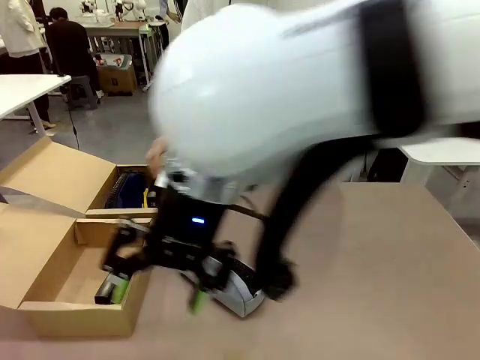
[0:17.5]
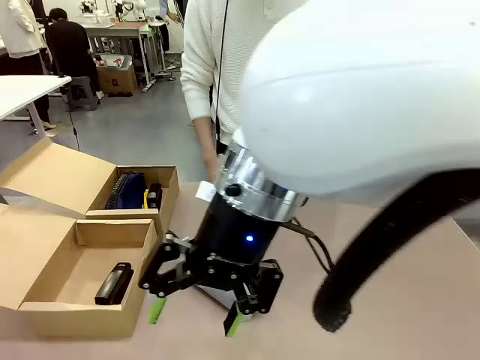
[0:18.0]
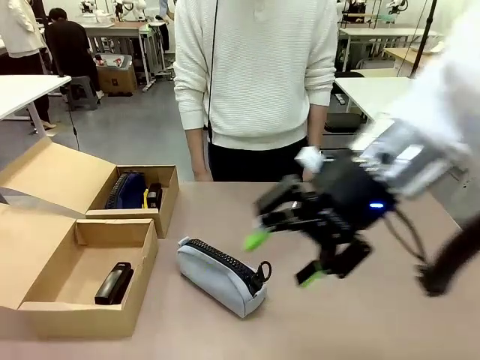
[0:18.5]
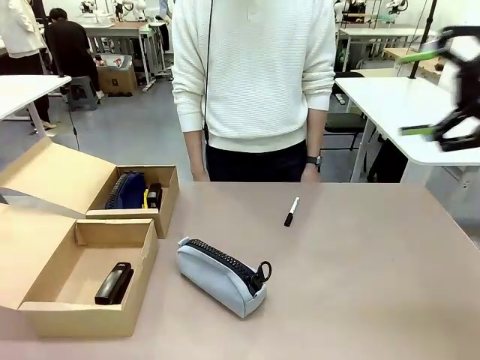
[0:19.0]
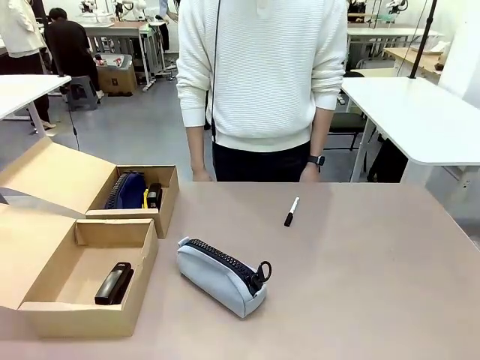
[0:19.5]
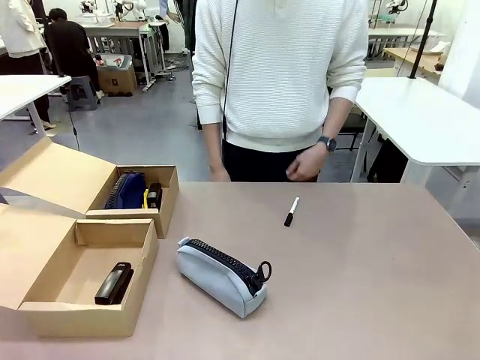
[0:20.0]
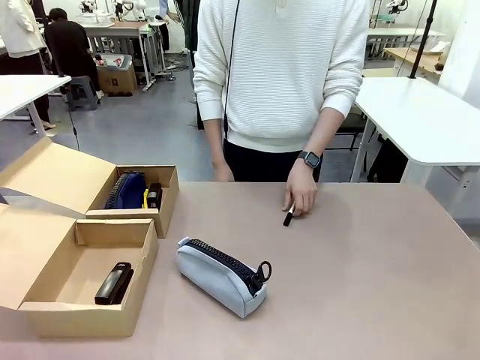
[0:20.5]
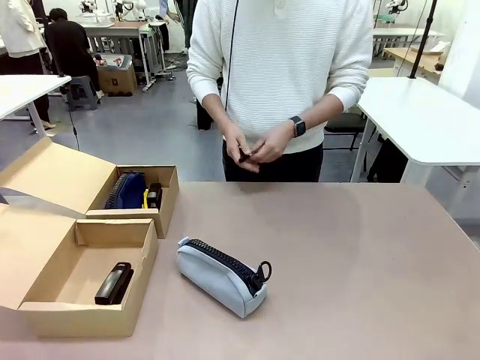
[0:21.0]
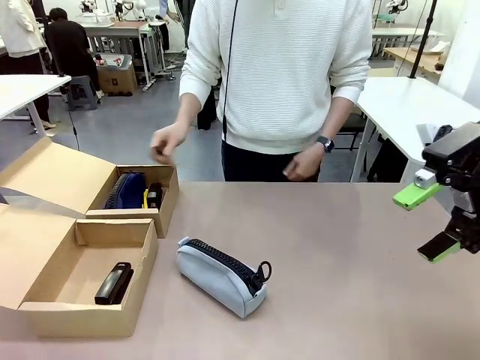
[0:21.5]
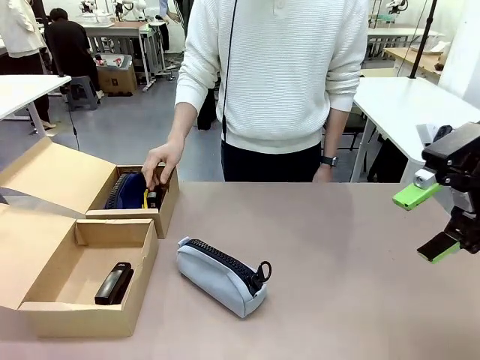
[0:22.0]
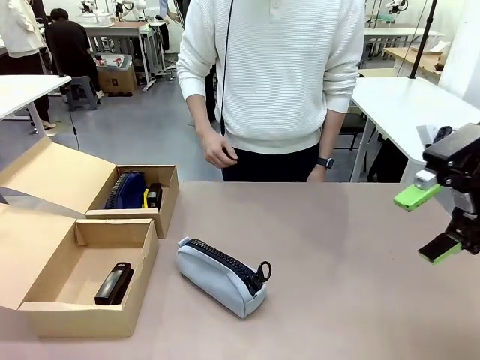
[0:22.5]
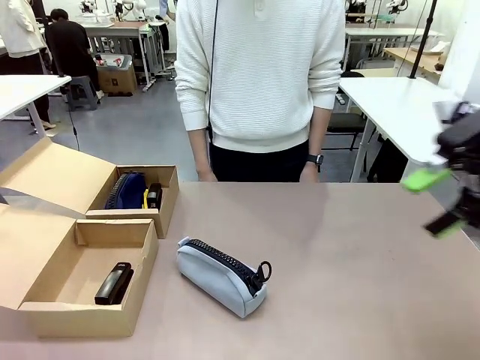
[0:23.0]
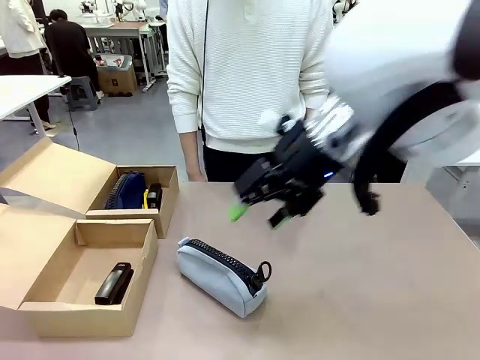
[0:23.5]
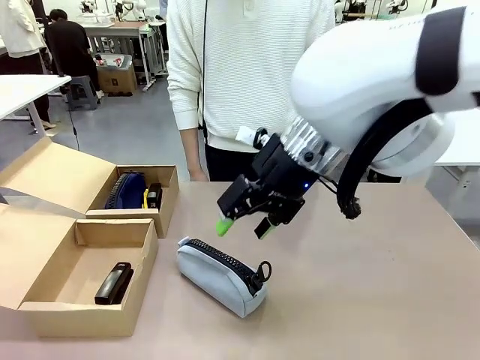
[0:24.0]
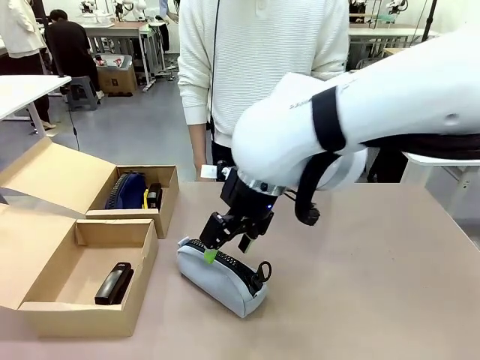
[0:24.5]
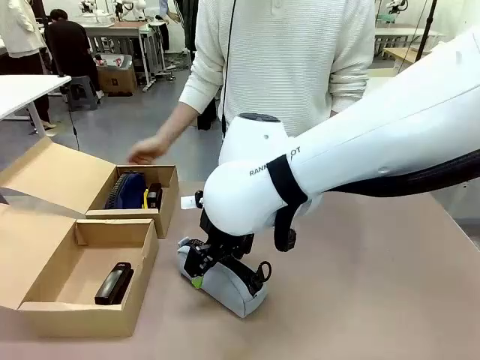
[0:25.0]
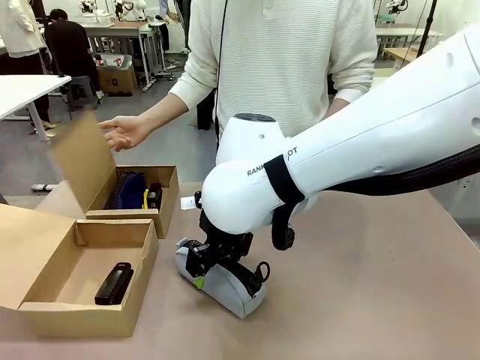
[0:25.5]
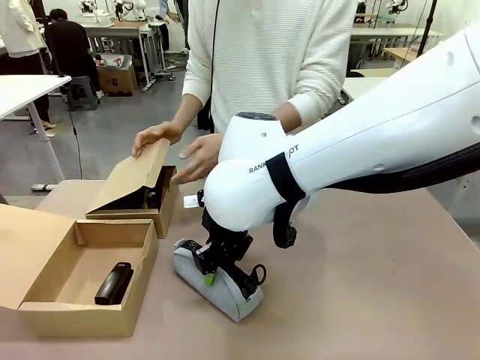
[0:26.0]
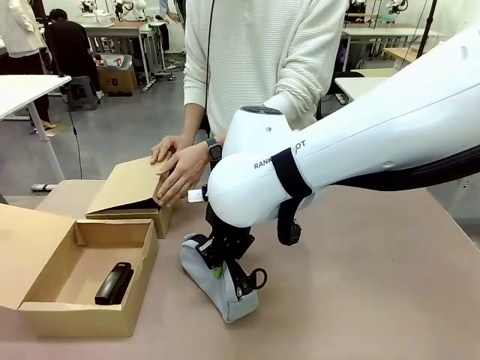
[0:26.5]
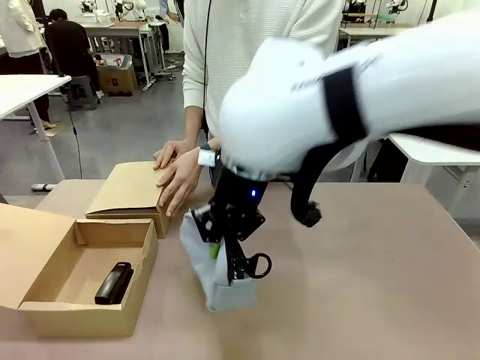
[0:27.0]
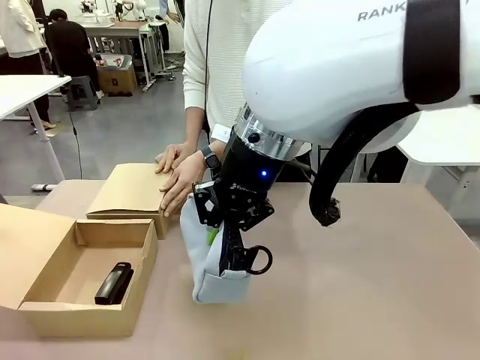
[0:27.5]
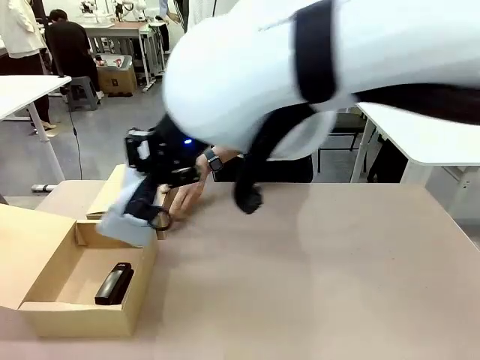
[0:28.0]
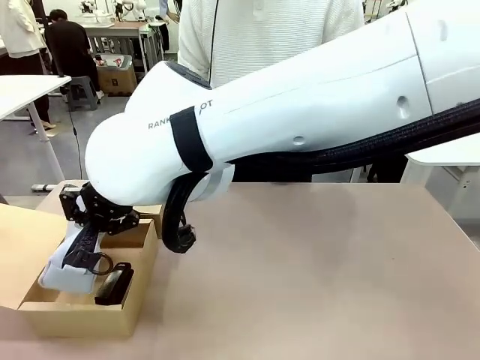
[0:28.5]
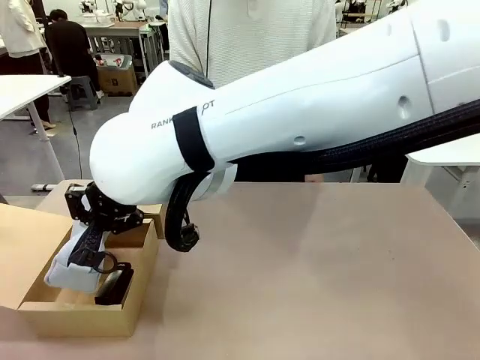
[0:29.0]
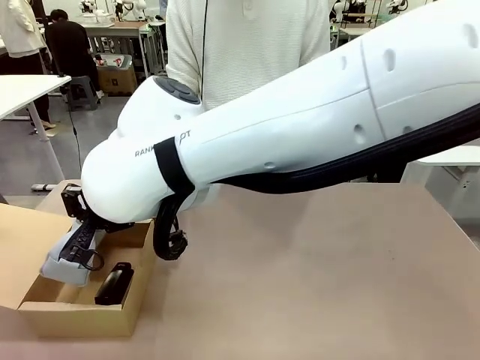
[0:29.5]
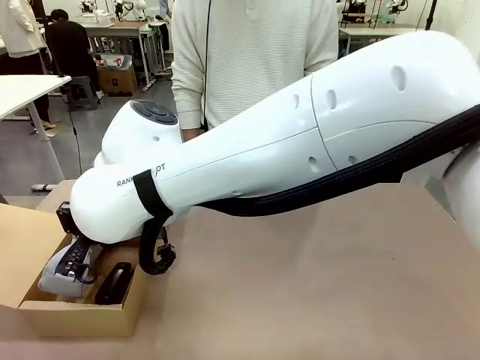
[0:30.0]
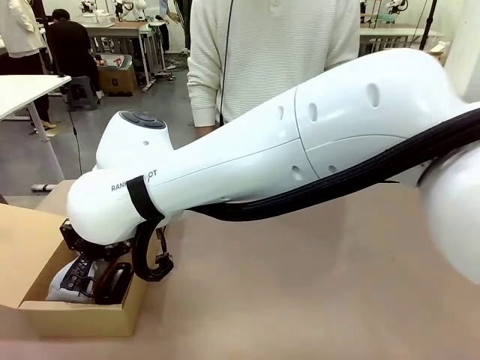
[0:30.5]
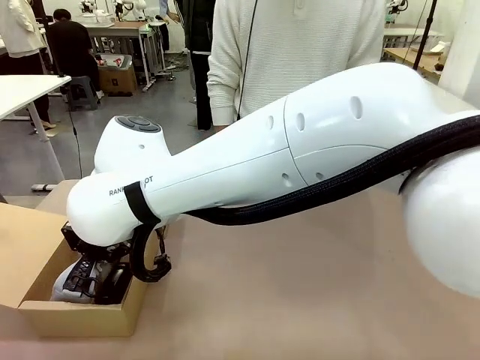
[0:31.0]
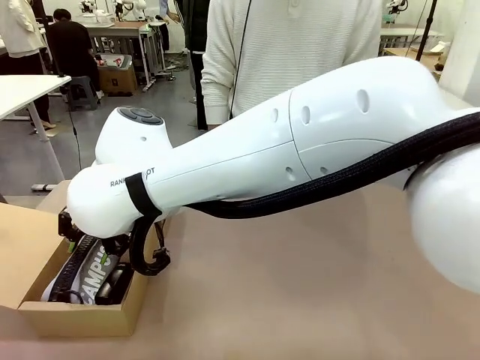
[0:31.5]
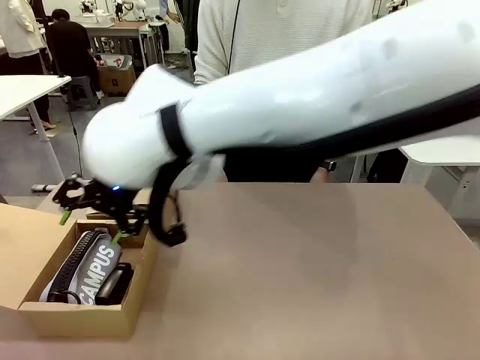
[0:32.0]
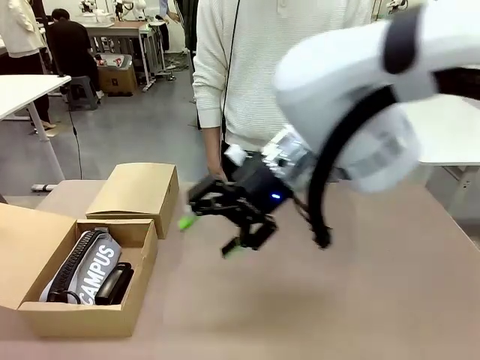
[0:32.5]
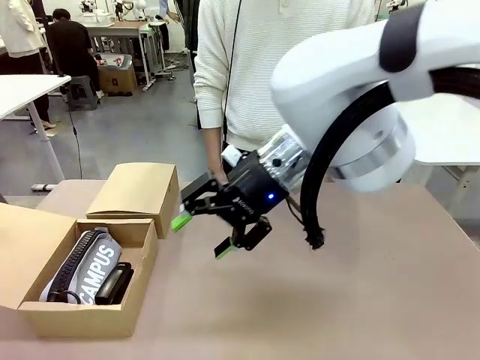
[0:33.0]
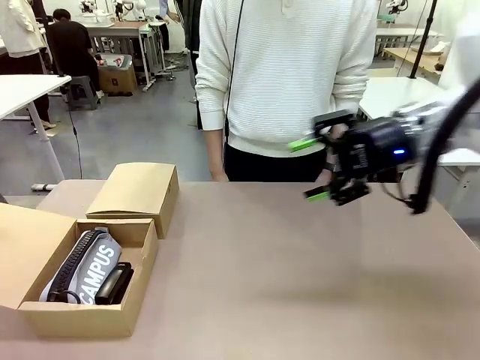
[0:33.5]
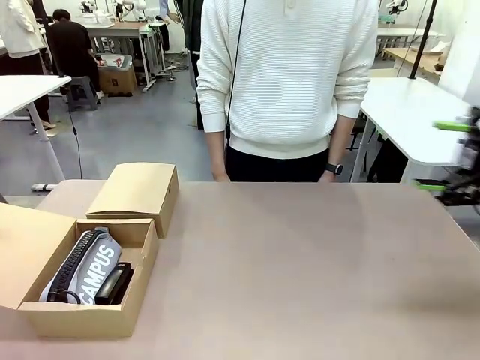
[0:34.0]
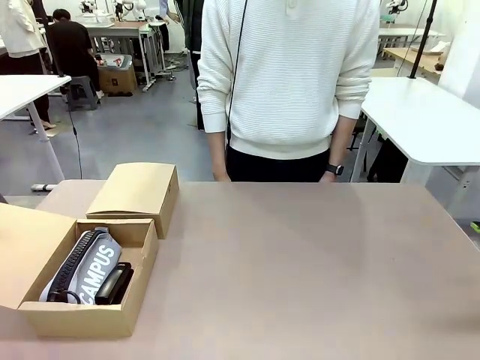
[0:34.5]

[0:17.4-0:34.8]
Task: Place items inside the box.
Robot: Pick up a Pencil pouch or Stapler and place it inside the Mailer Box closest to the robot.
Person: Close the lid of the box facing the person.

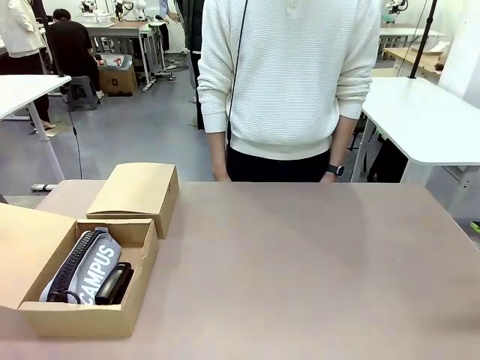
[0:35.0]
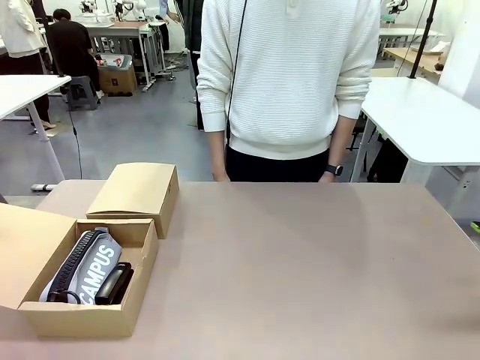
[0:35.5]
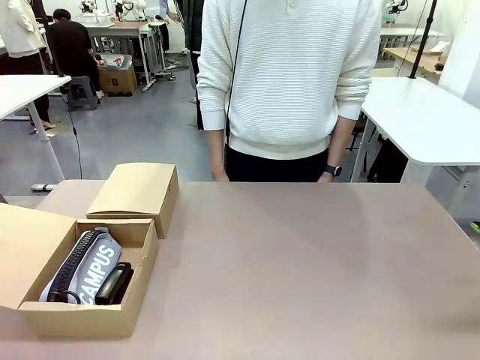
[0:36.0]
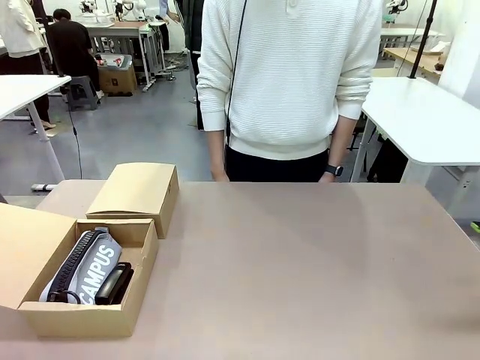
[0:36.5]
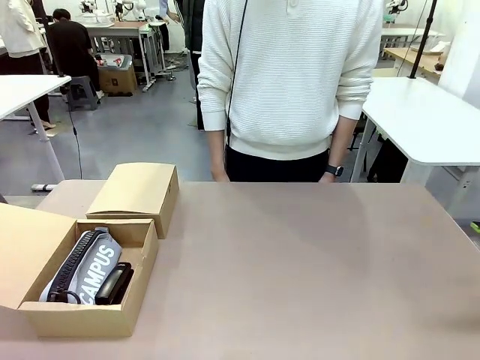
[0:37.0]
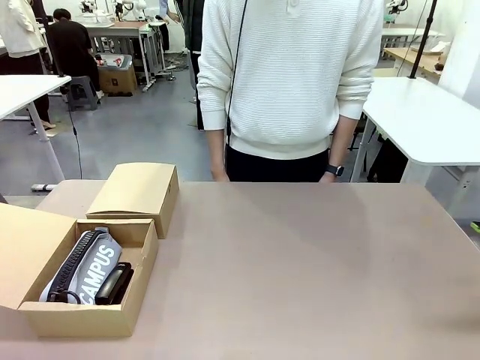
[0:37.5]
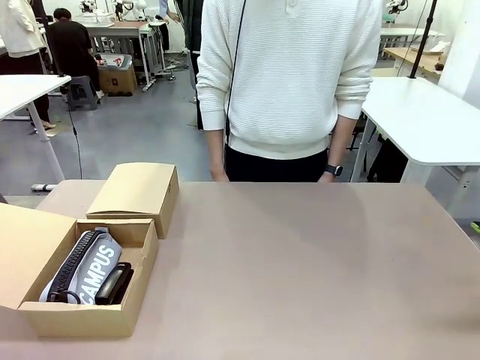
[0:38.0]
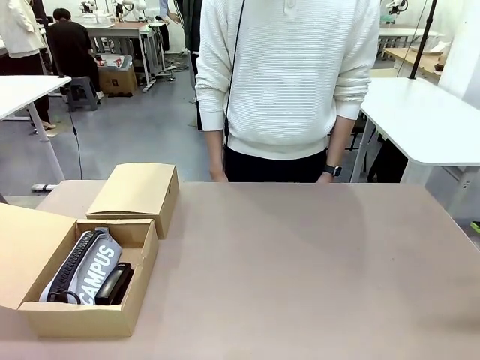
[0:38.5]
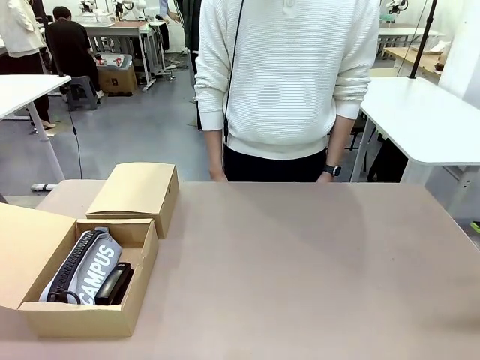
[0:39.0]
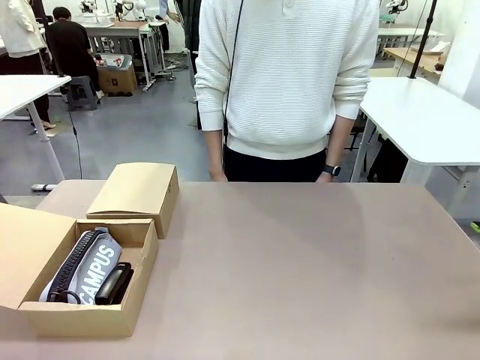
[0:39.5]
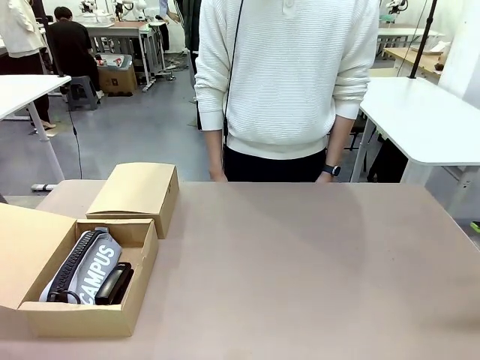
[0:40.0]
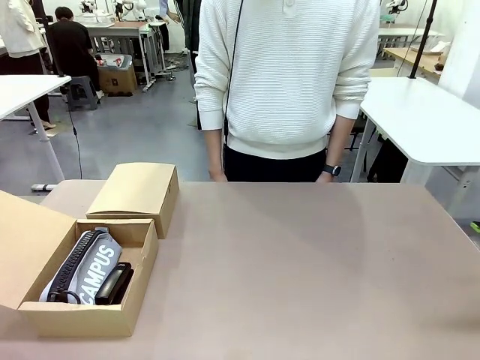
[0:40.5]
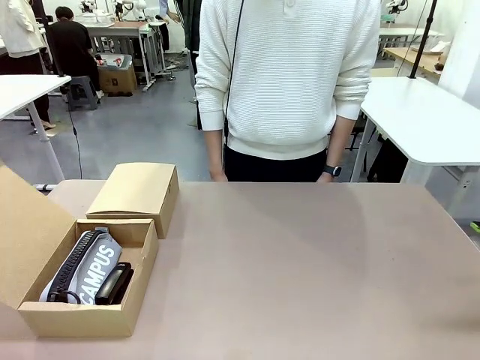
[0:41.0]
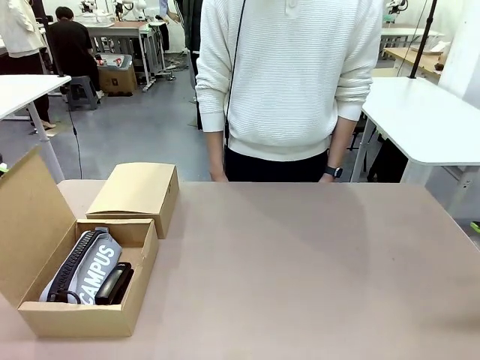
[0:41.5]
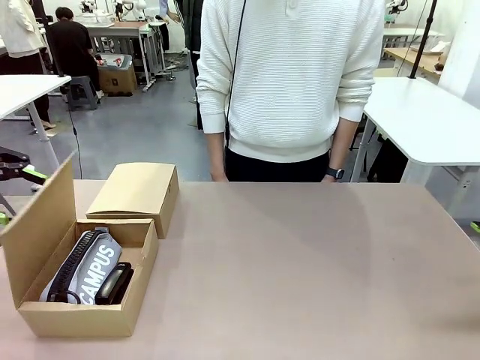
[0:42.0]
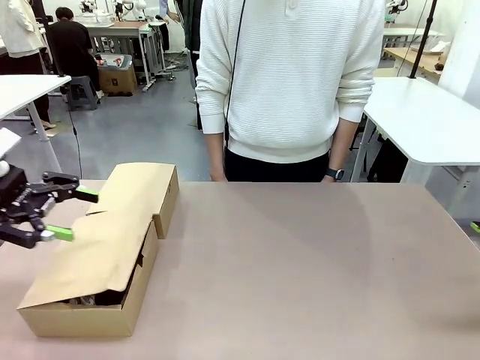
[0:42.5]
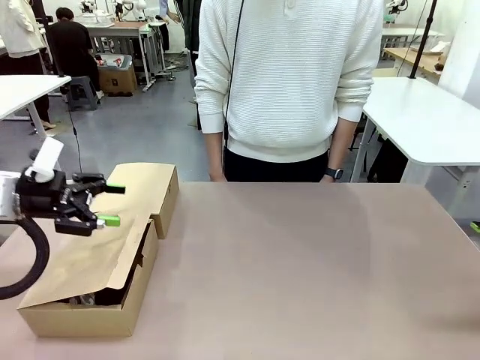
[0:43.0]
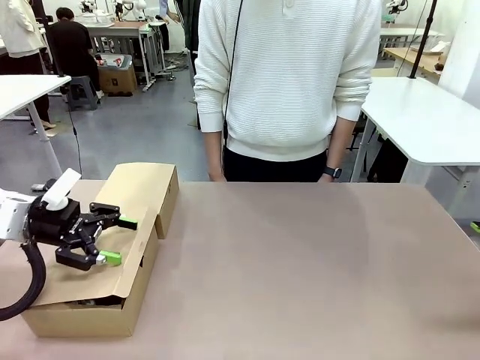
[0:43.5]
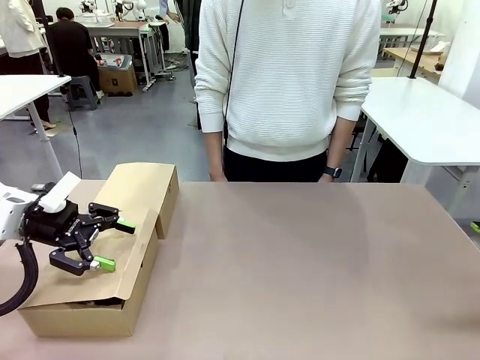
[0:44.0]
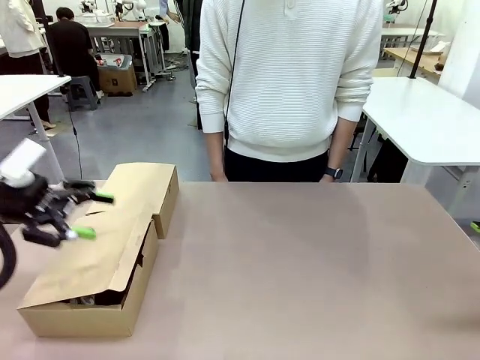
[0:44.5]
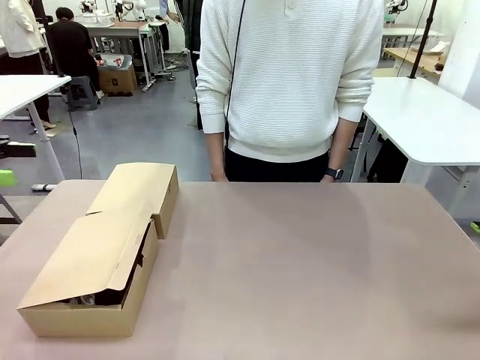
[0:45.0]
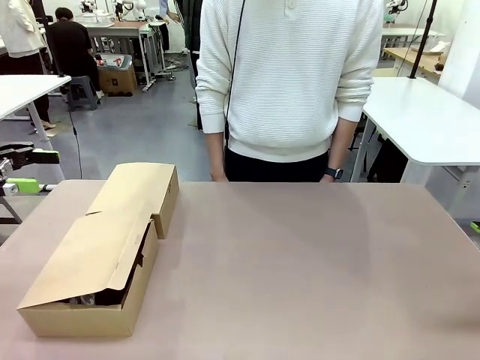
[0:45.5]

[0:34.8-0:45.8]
Robot: Close the lid of the Mailer Box closest to the robot.
